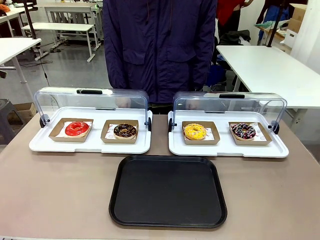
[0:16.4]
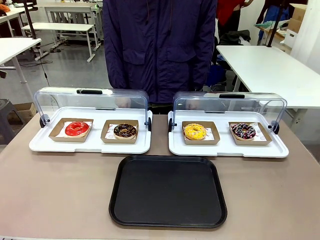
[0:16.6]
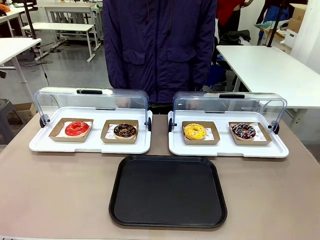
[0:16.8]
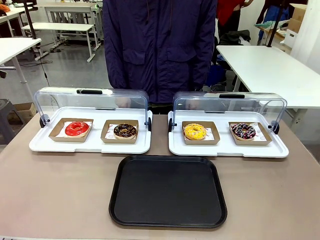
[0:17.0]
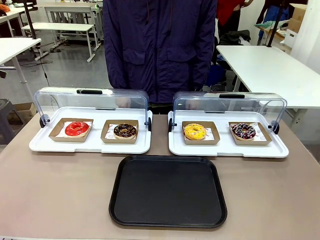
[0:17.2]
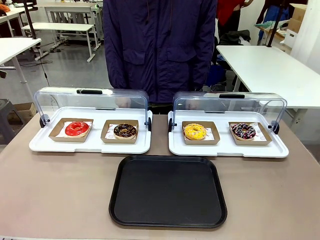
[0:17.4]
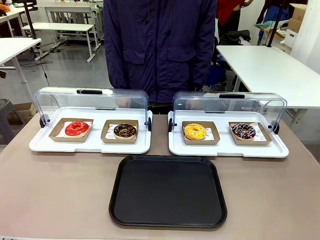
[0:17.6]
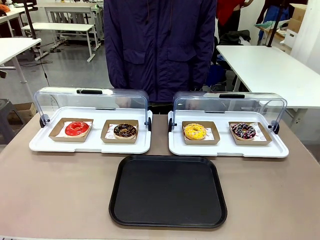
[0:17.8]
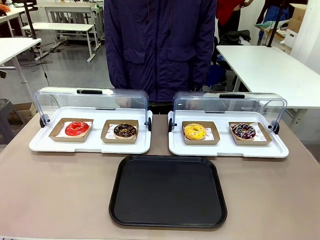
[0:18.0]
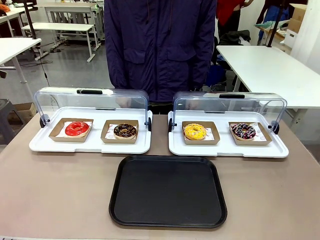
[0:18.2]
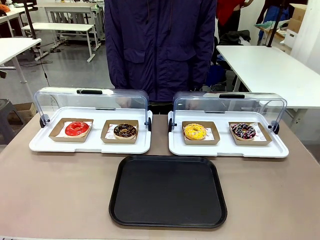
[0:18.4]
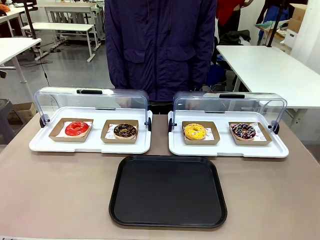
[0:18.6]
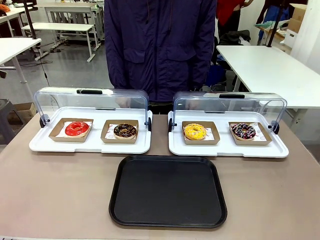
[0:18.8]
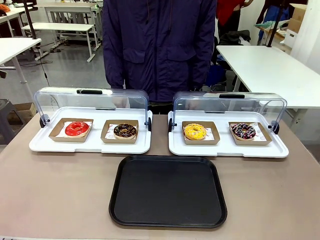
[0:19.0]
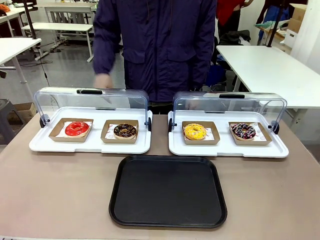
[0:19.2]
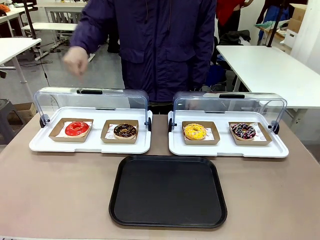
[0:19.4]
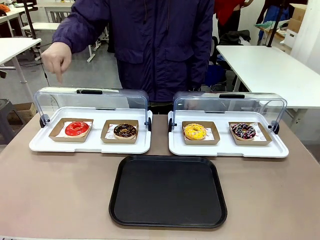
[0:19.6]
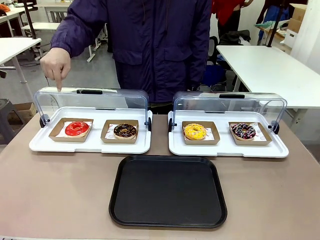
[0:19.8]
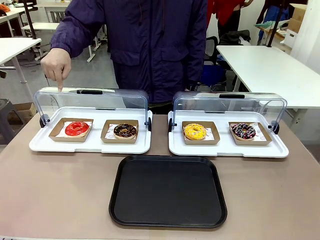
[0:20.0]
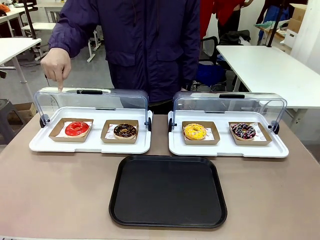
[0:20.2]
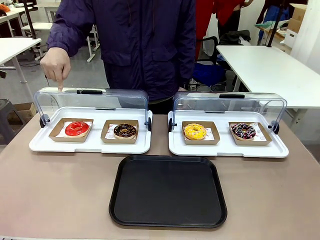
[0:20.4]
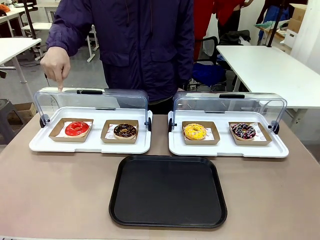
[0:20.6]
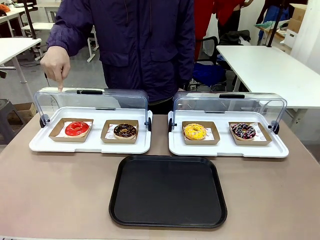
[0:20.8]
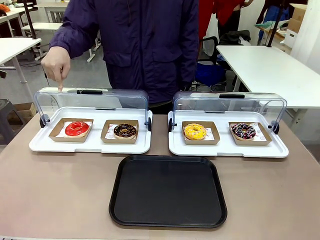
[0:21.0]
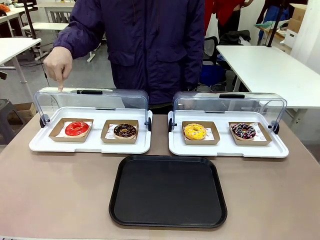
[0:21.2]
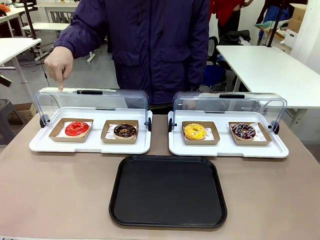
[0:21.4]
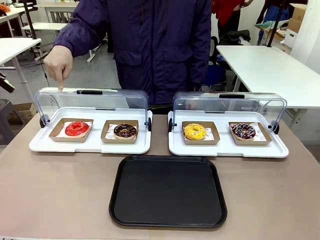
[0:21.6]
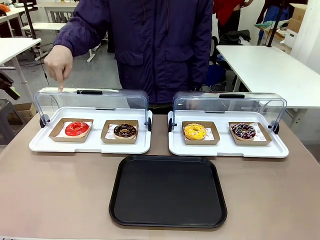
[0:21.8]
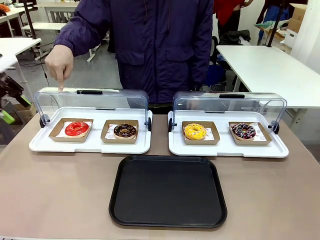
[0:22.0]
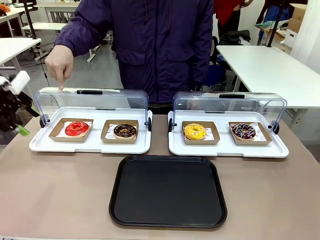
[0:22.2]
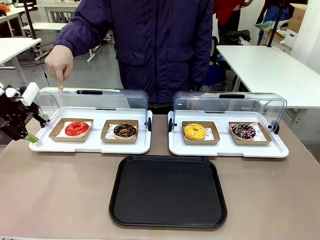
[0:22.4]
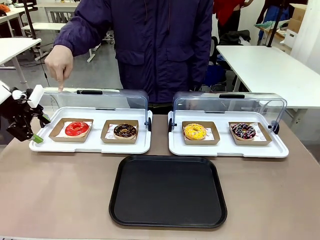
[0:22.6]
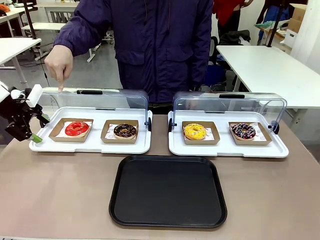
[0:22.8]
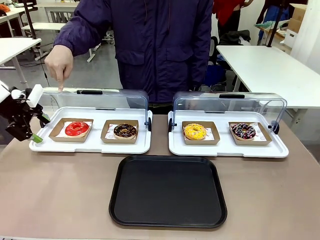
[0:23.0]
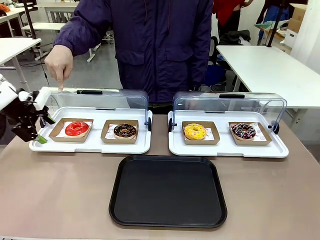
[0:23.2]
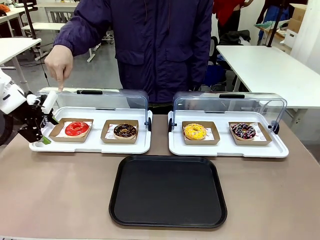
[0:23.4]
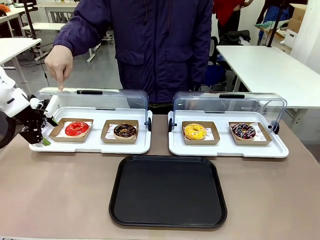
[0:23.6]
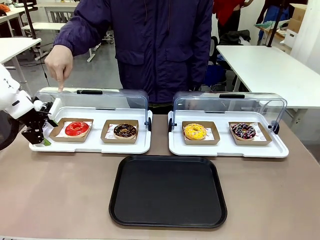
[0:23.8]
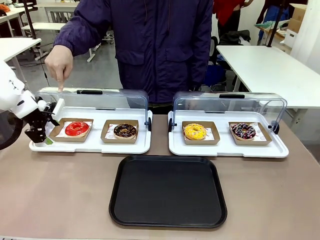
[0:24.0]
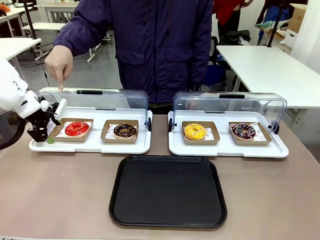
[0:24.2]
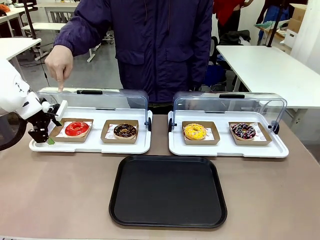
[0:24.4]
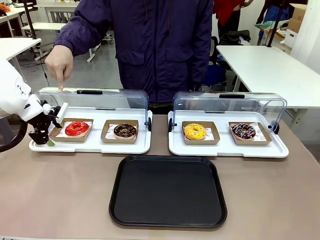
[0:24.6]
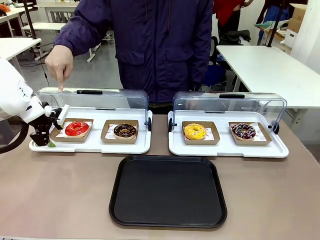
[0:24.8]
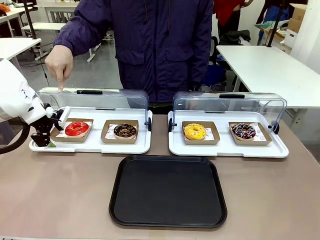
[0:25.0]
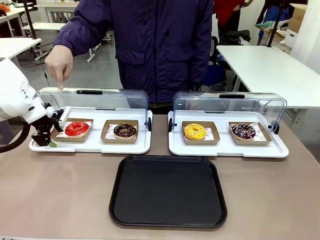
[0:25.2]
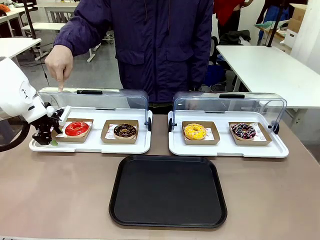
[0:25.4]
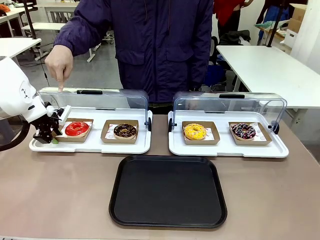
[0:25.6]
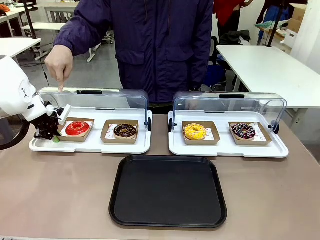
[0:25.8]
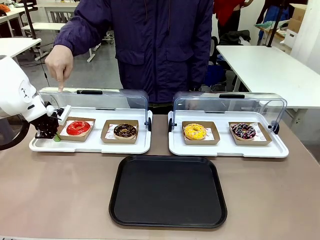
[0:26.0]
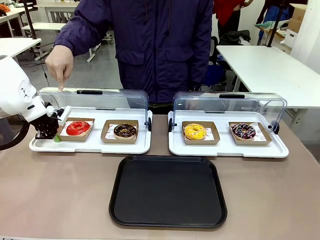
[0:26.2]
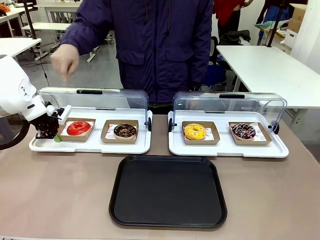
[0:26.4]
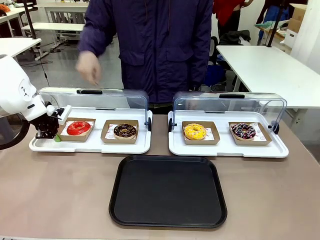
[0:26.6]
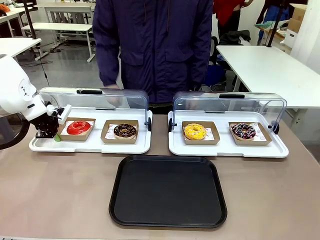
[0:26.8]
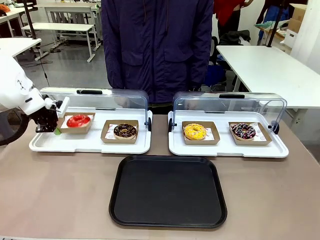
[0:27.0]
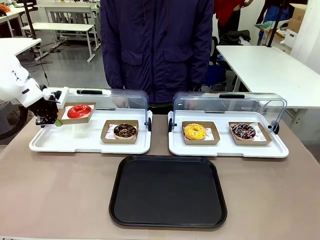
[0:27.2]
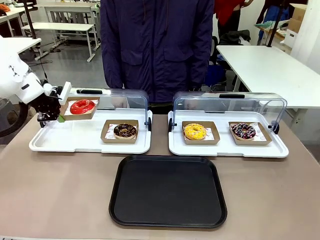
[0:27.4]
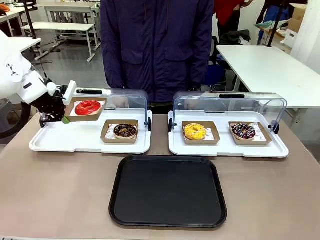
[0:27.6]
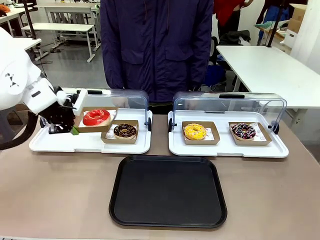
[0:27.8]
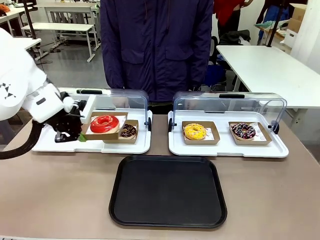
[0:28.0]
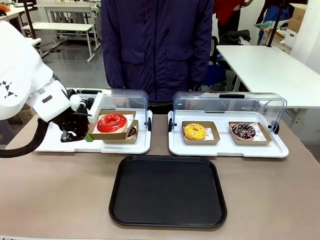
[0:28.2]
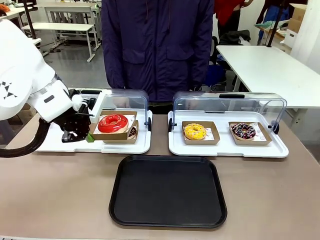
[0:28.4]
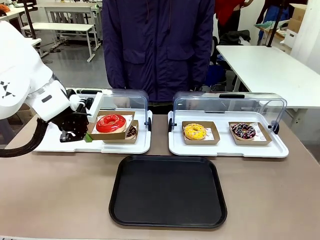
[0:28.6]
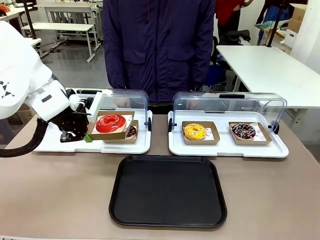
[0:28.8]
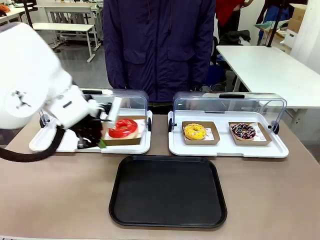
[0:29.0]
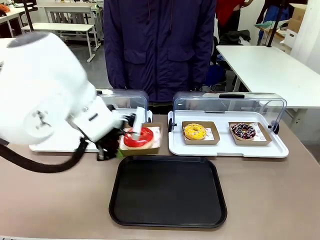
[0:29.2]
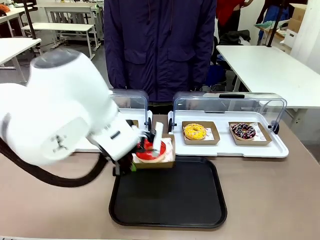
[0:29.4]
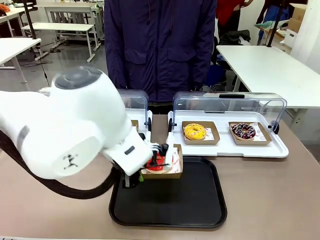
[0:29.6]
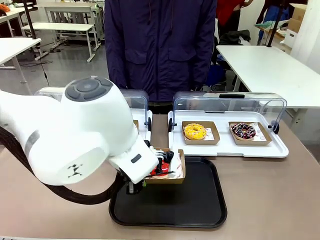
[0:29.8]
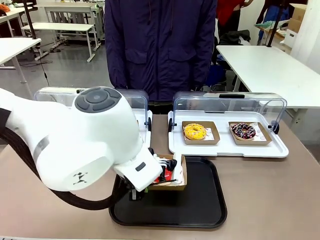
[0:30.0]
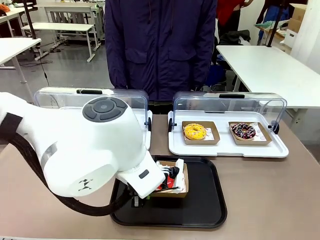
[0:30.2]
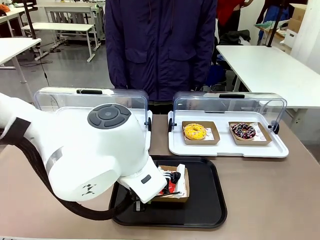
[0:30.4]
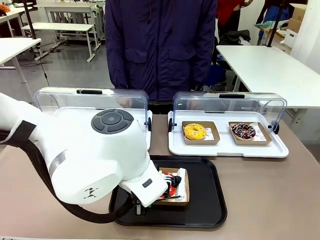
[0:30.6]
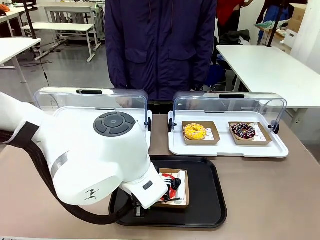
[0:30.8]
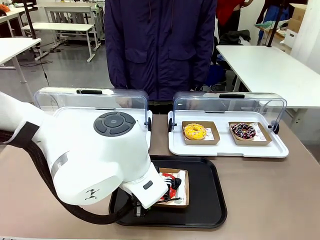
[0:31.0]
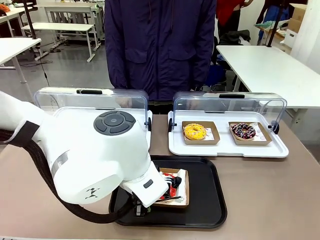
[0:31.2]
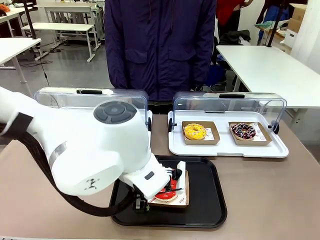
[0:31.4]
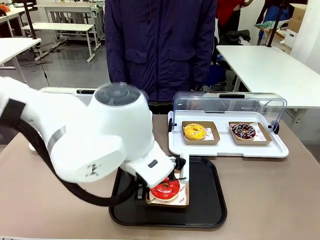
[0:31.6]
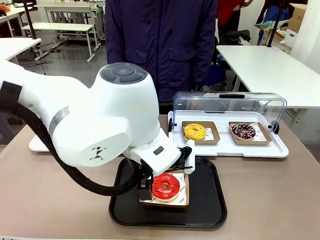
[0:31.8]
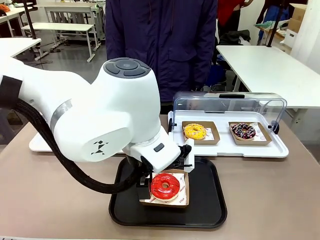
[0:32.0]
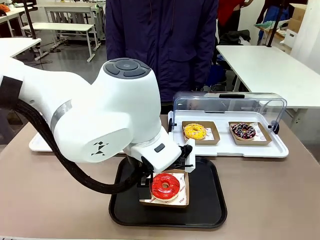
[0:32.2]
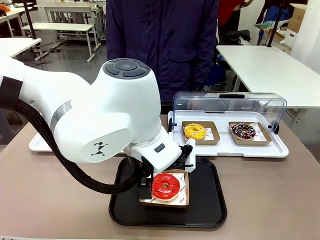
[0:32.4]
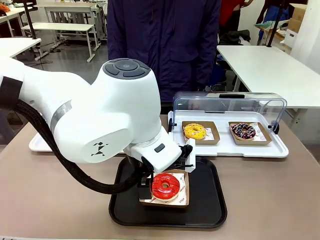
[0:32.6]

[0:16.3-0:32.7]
Task: Move the first donut from the left to the tray.
Robot: Pick up the Paper togo box containing the Donut indicated by the person and place it on the Handle tray.
Person: Points to the first donut from the left from the robot’s perspective.
